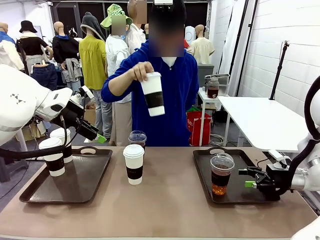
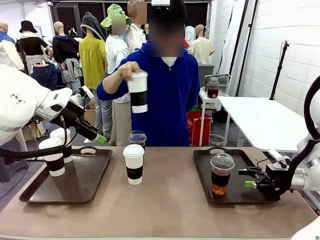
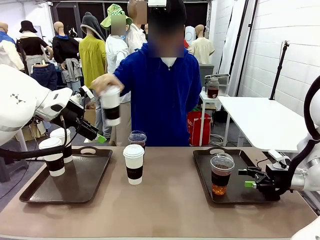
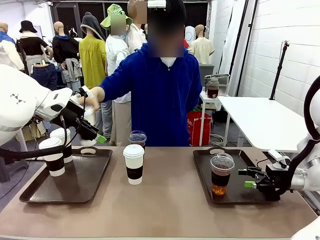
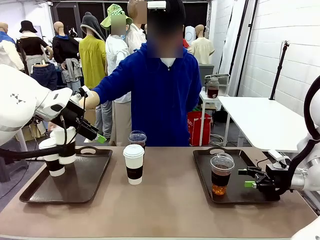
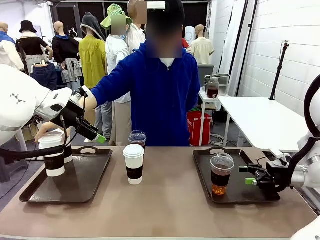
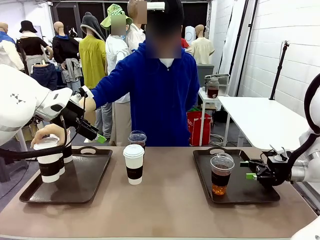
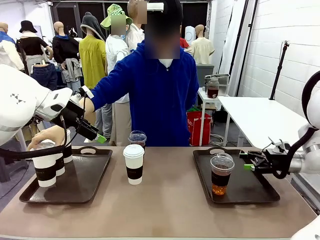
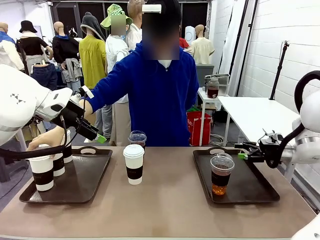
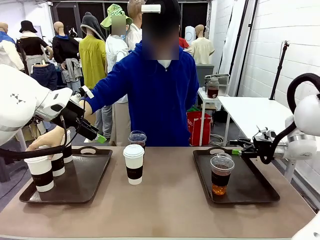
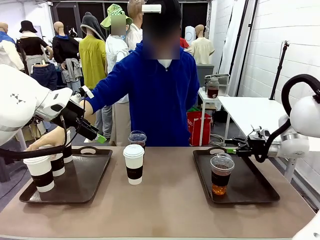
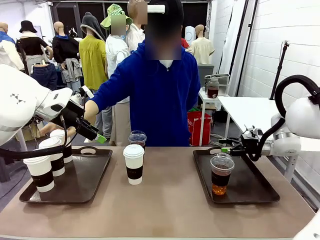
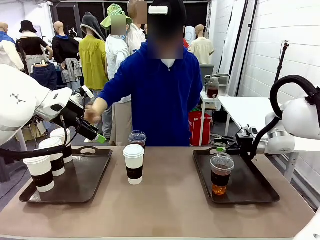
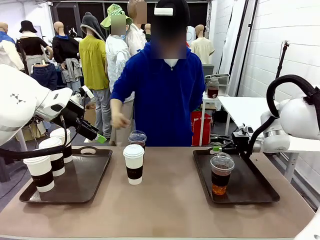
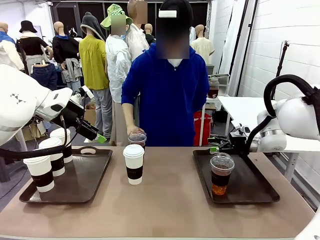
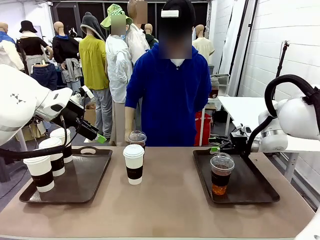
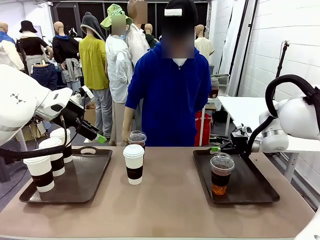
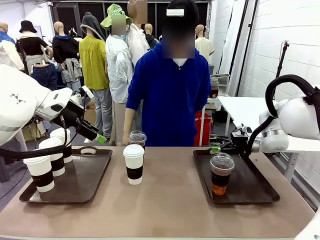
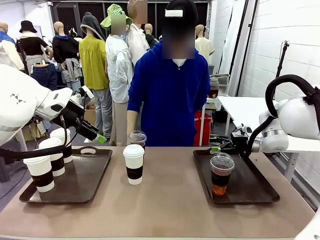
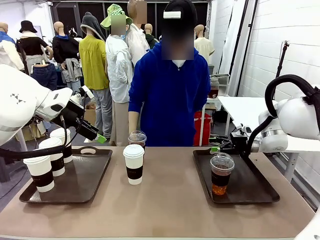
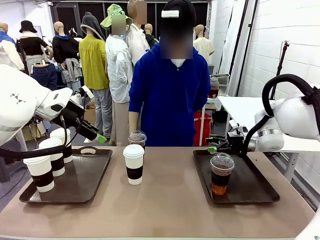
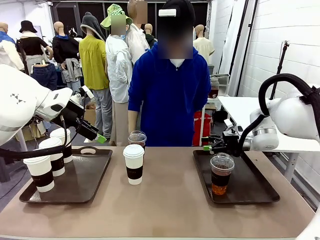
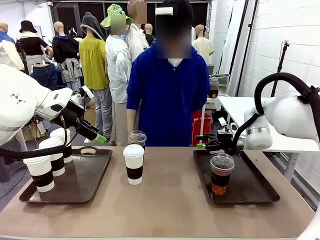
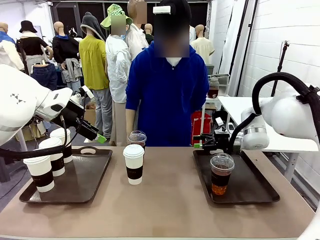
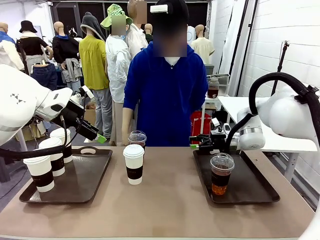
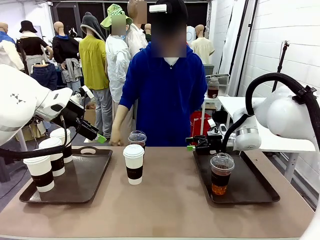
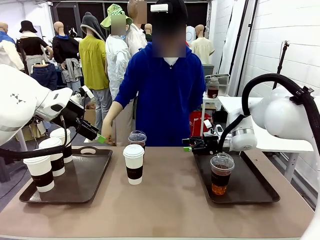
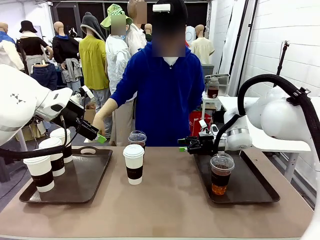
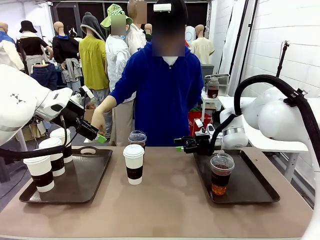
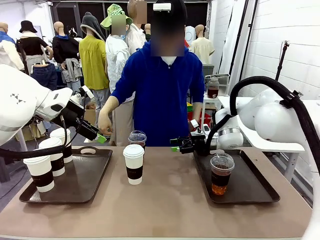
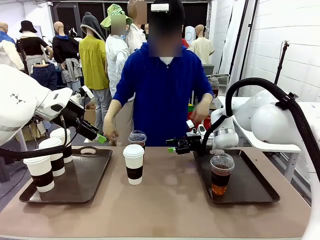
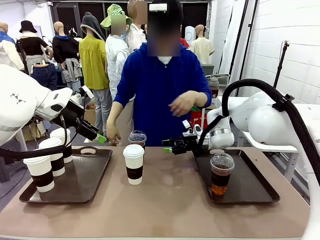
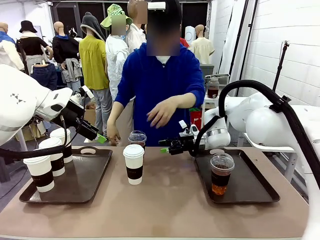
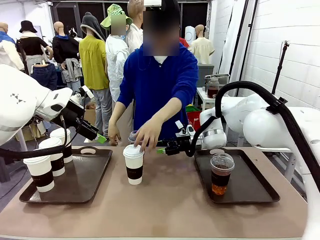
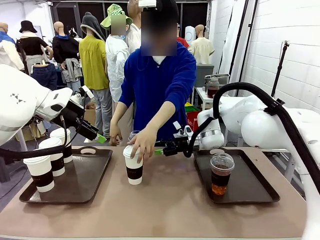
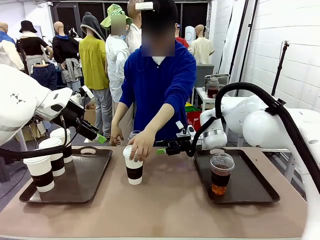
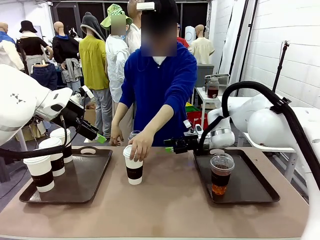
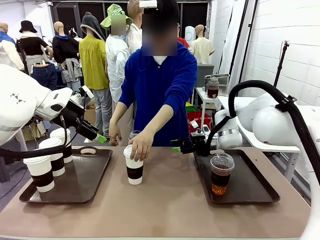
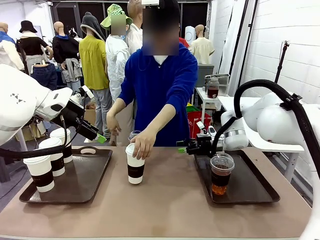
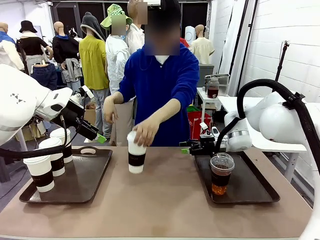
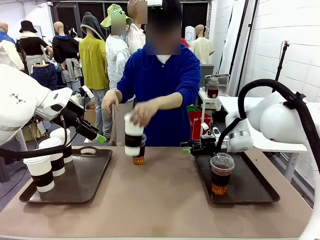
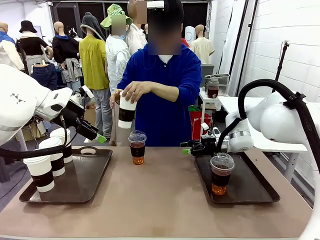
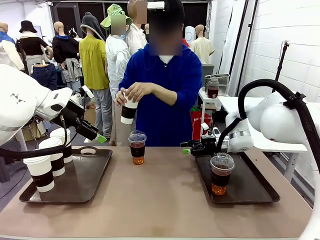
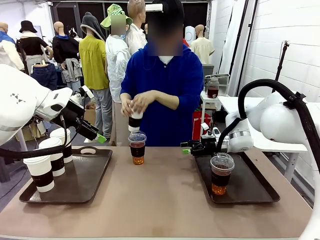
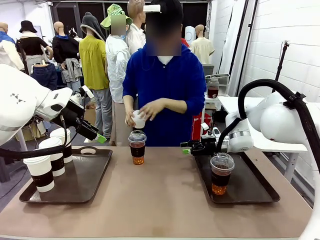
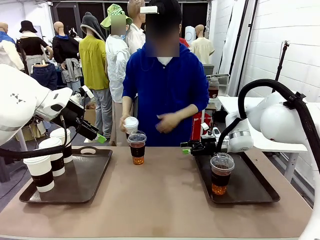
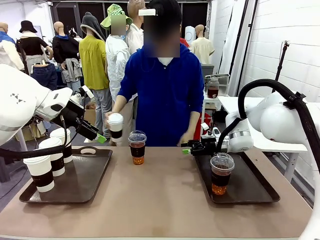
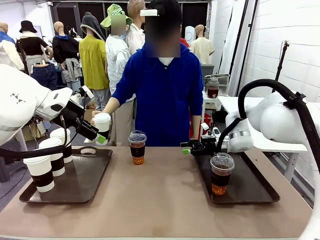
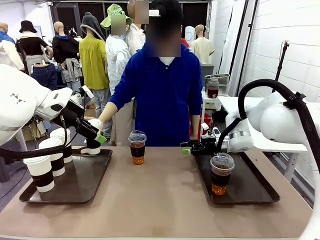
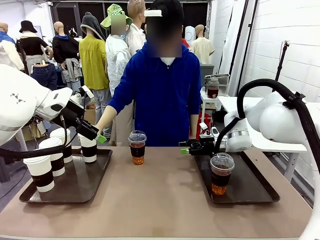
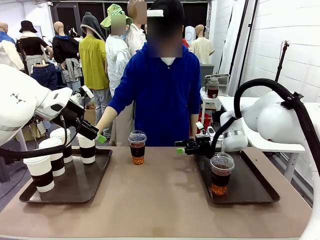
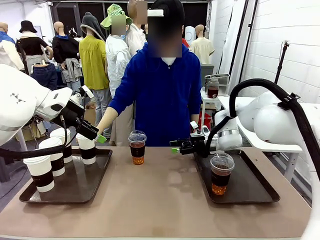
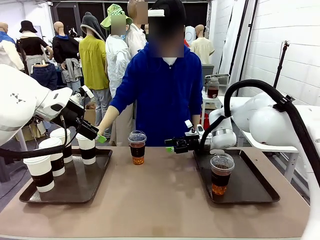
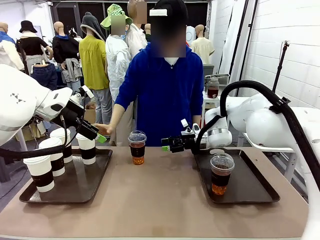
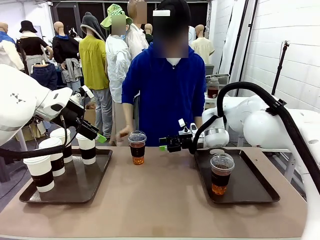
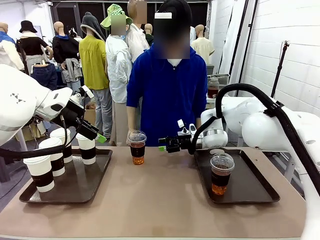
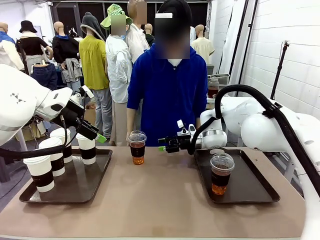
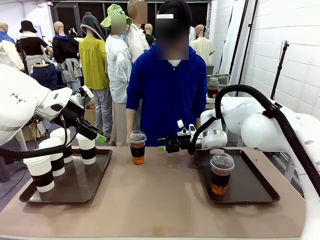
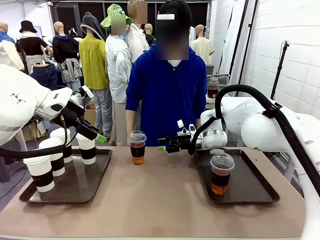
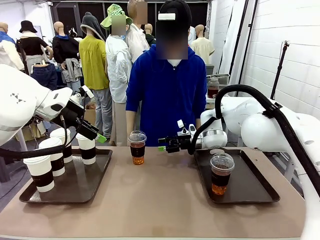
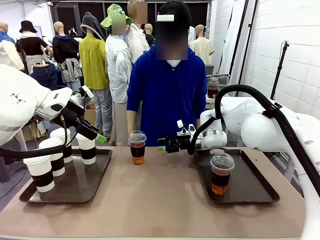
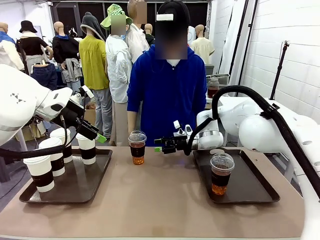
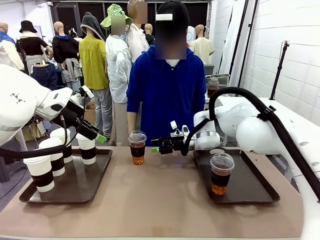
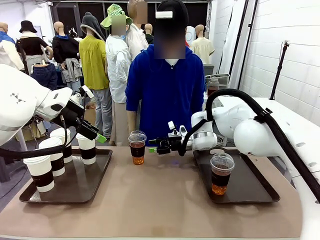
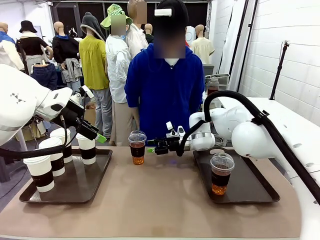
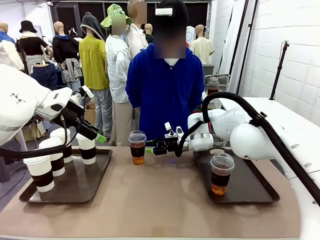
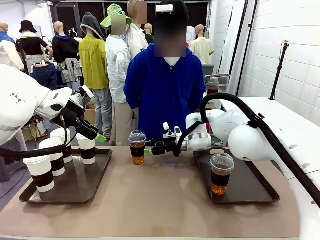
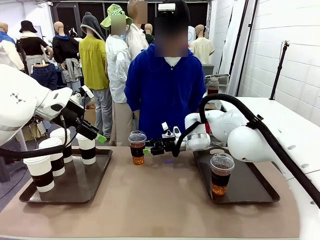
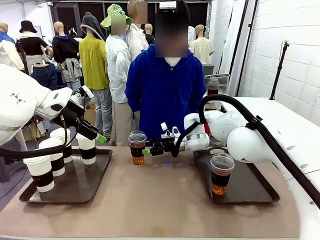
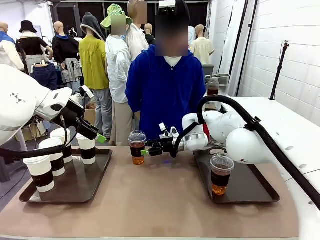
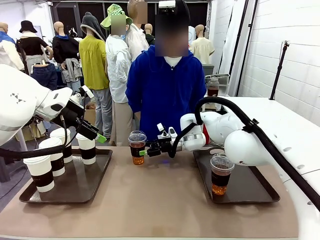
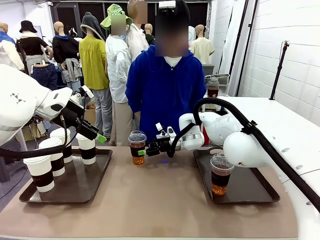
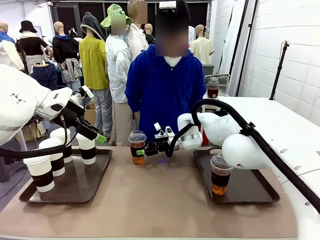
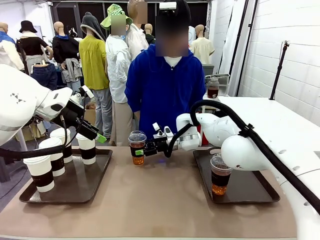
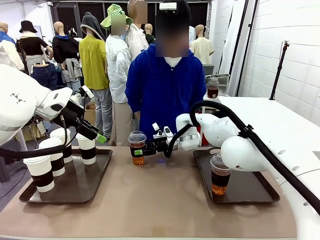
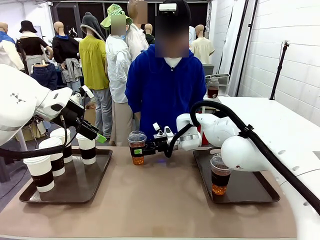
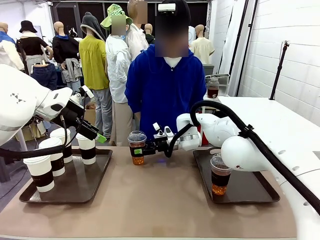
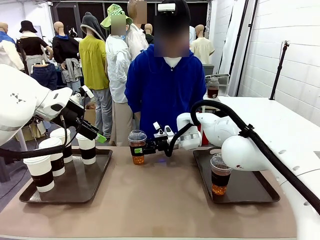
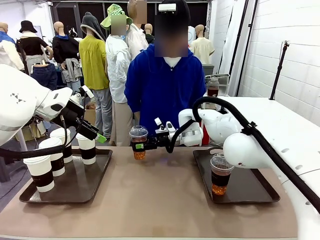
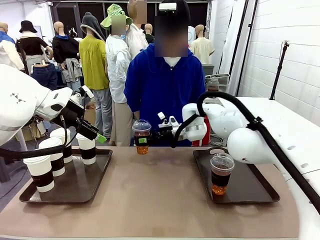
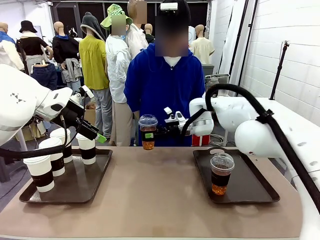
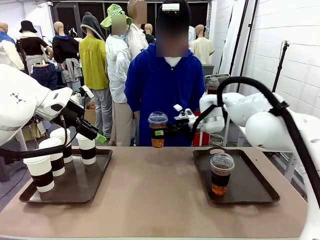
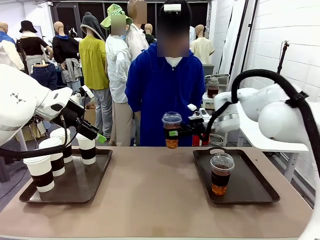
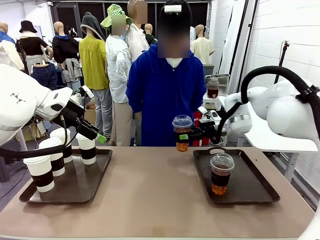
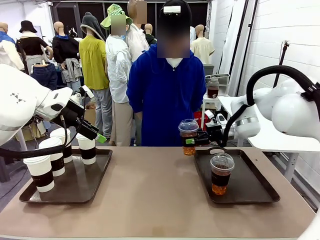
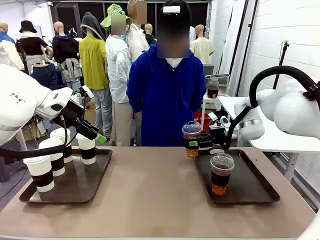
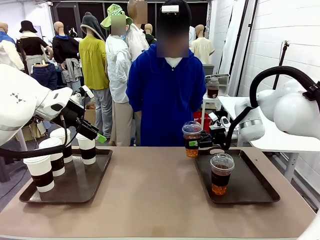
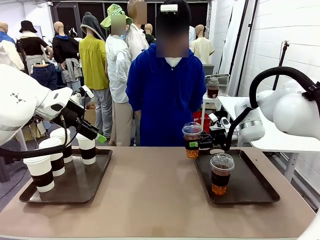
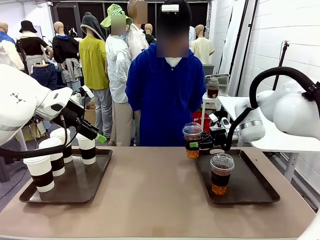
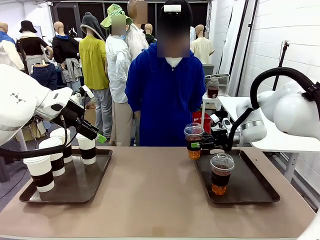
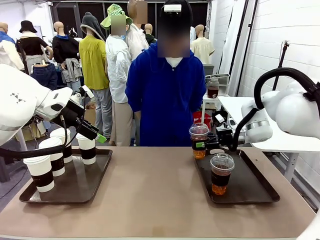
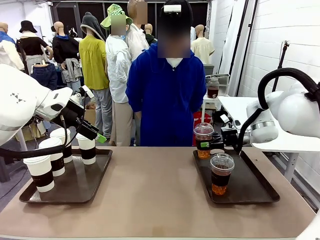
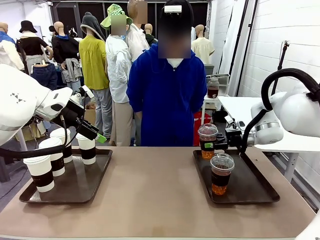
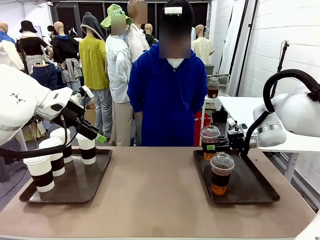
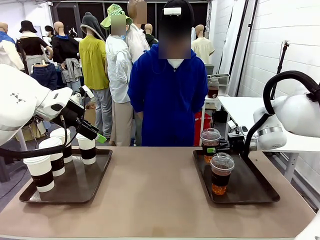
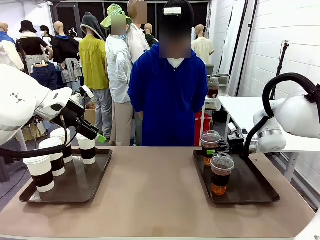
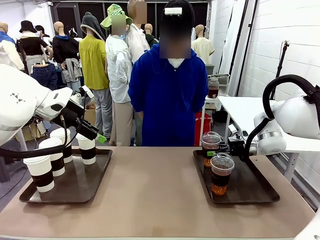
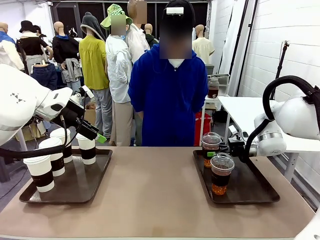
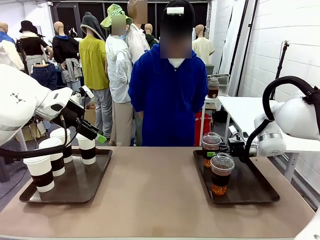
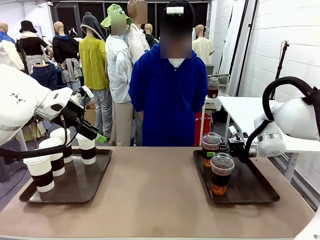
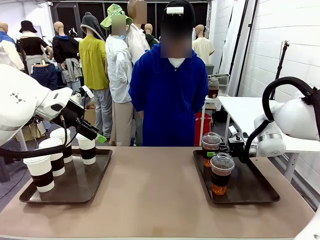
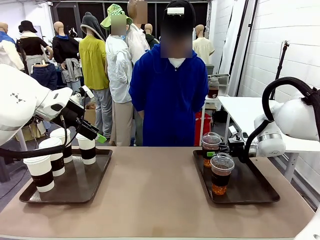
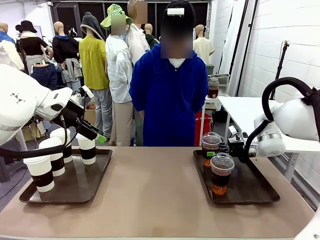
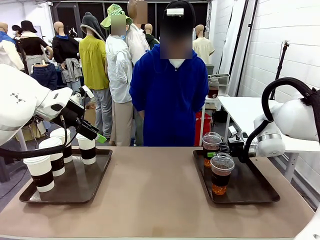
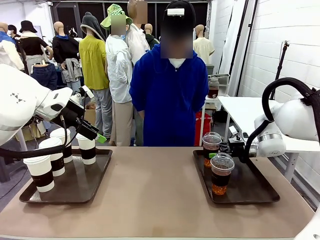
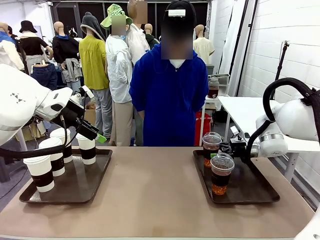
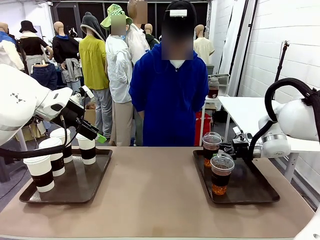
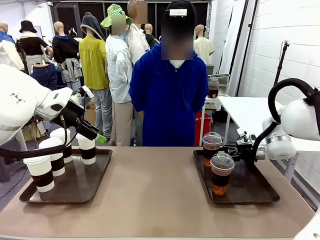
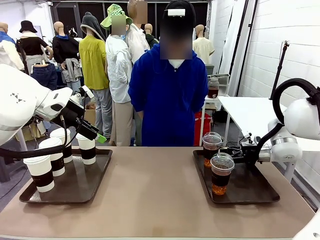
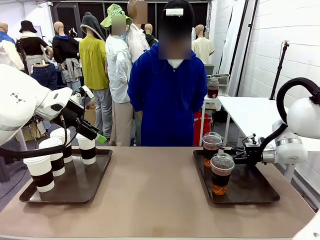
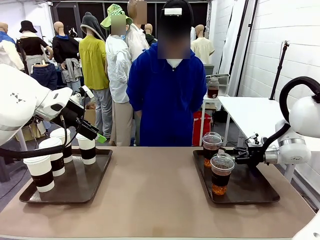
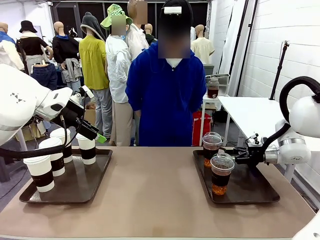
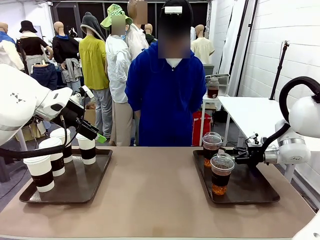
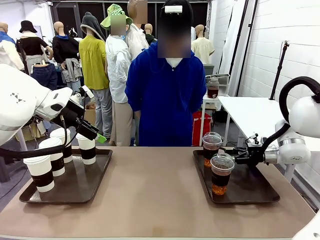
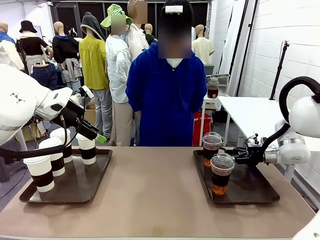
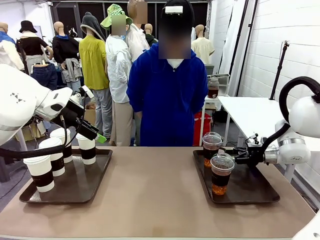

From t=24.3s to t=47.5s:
Task: Distribute the coffee onto the tray.
Robot: Pick up another iced Americano from the middle of the table and place it on the right Handle tray.
Person: Pick up a cup of hot Americano from the middle of the table and place it on the right tray.
